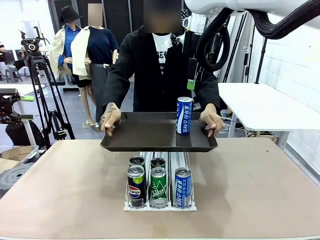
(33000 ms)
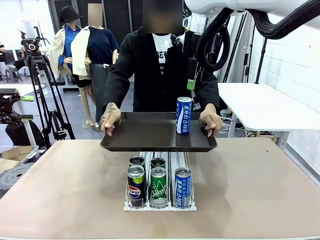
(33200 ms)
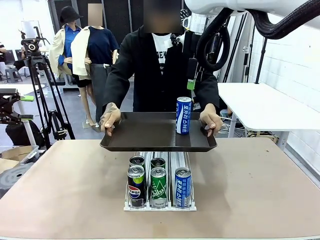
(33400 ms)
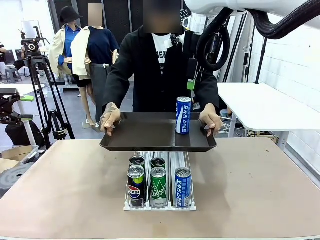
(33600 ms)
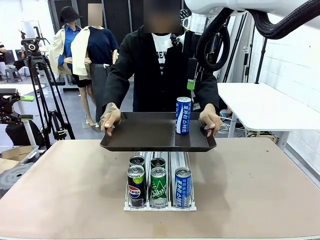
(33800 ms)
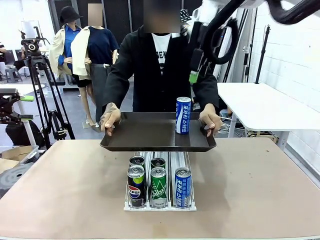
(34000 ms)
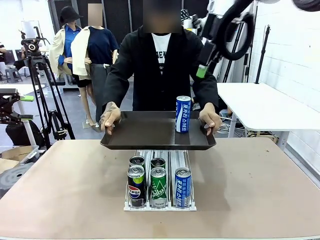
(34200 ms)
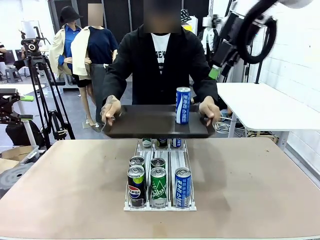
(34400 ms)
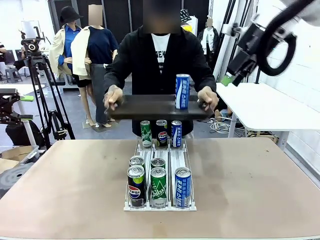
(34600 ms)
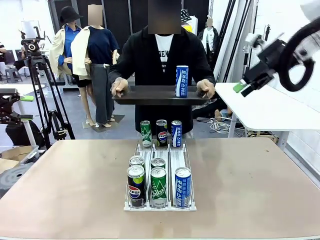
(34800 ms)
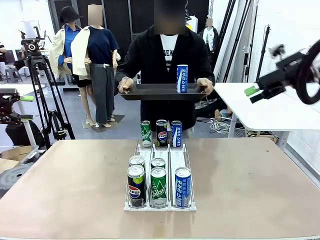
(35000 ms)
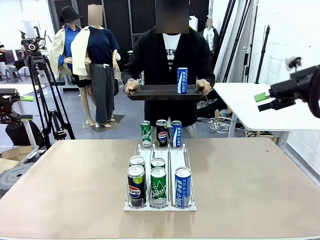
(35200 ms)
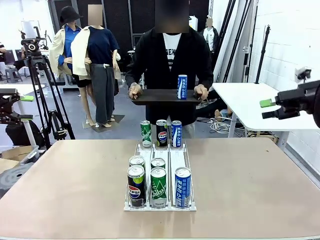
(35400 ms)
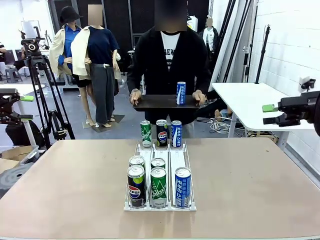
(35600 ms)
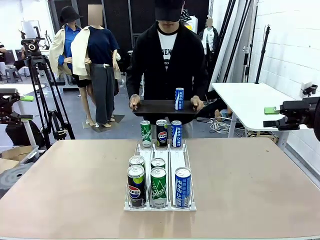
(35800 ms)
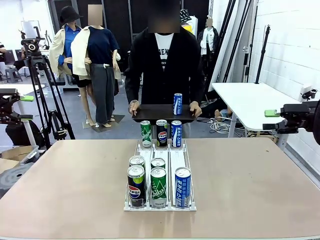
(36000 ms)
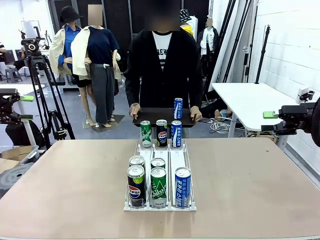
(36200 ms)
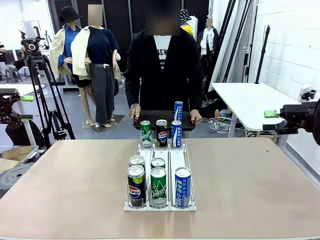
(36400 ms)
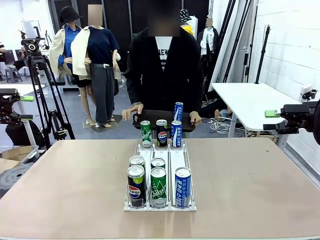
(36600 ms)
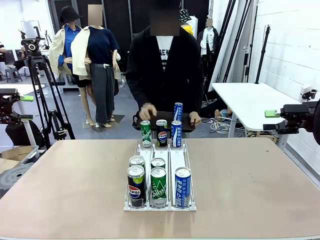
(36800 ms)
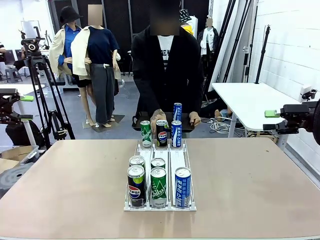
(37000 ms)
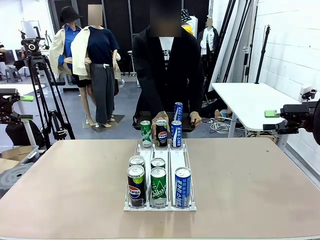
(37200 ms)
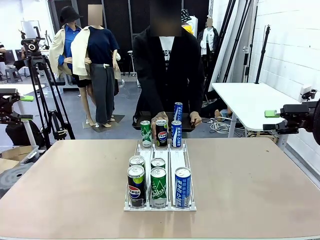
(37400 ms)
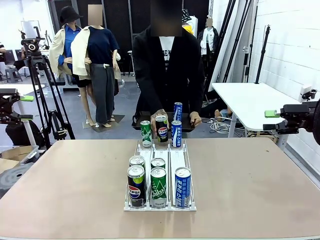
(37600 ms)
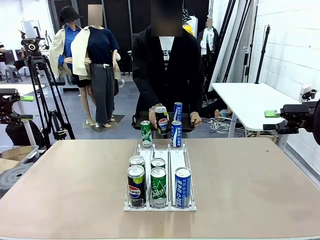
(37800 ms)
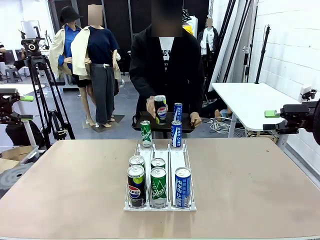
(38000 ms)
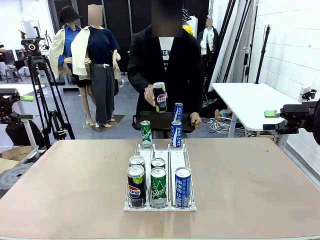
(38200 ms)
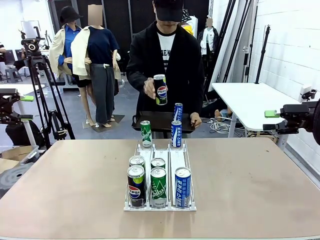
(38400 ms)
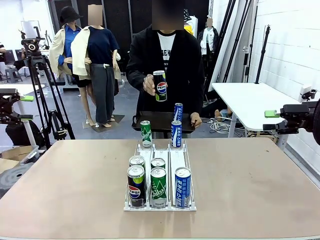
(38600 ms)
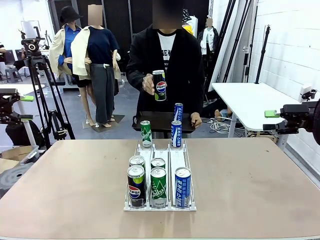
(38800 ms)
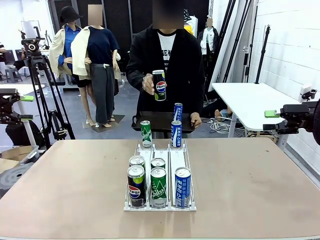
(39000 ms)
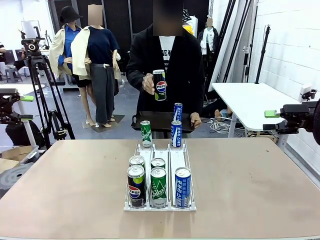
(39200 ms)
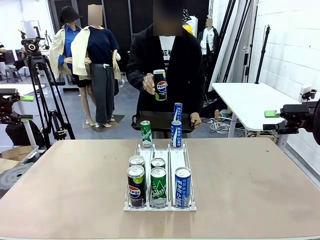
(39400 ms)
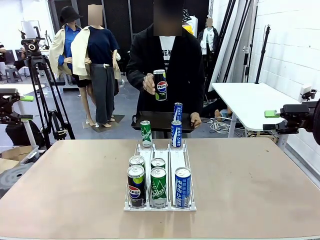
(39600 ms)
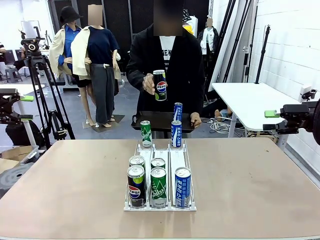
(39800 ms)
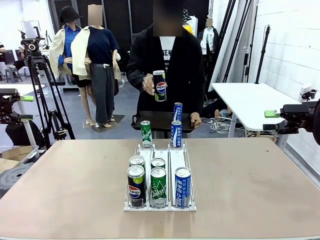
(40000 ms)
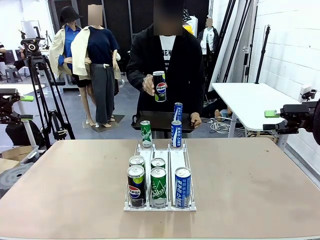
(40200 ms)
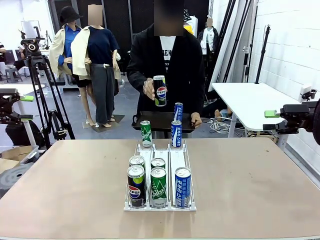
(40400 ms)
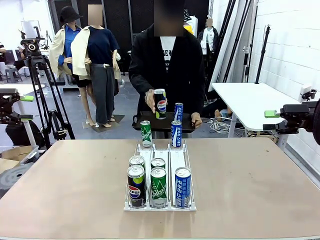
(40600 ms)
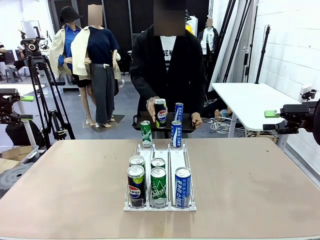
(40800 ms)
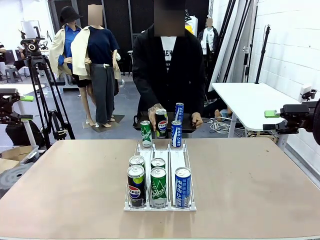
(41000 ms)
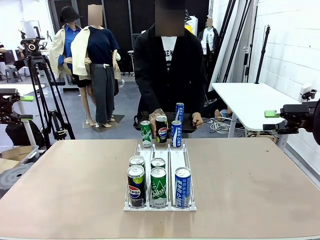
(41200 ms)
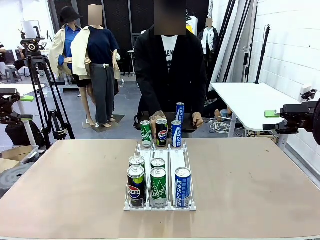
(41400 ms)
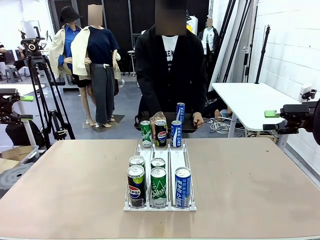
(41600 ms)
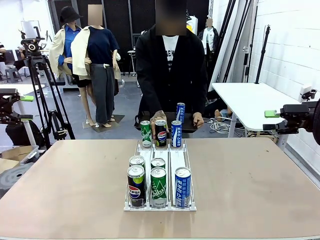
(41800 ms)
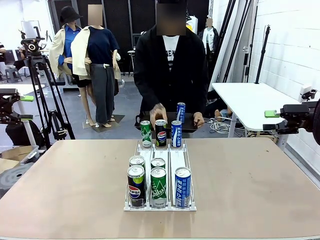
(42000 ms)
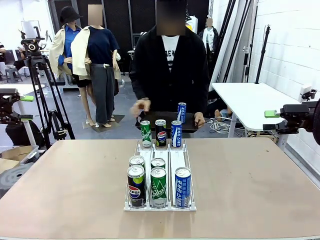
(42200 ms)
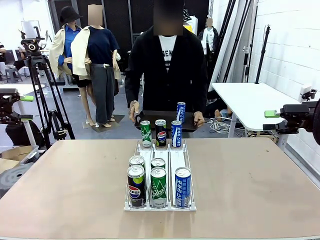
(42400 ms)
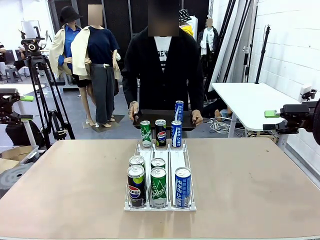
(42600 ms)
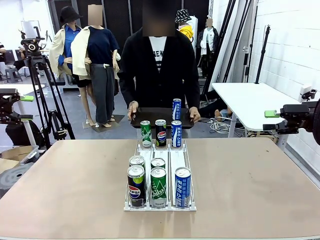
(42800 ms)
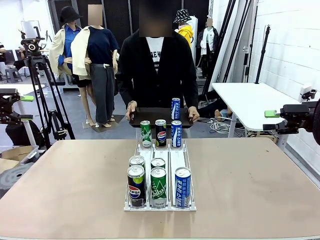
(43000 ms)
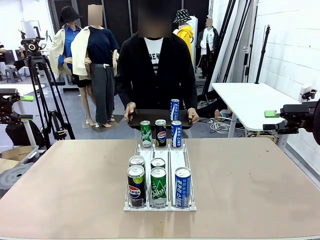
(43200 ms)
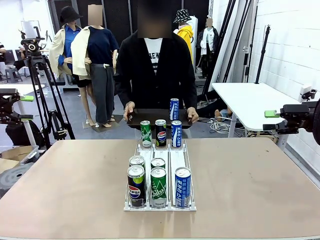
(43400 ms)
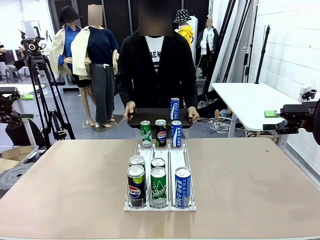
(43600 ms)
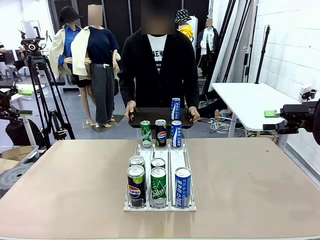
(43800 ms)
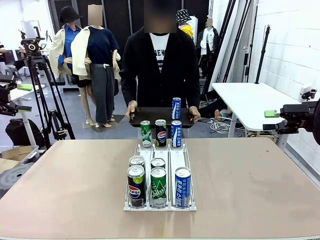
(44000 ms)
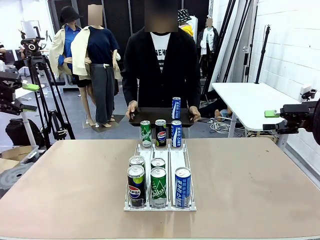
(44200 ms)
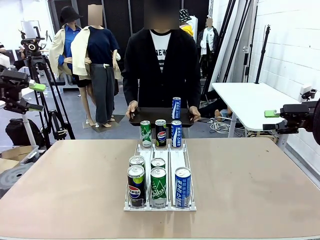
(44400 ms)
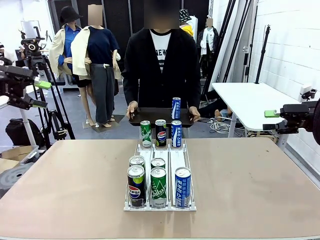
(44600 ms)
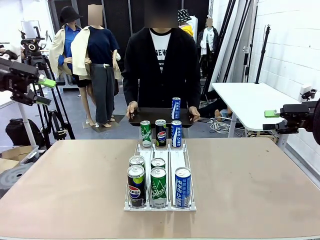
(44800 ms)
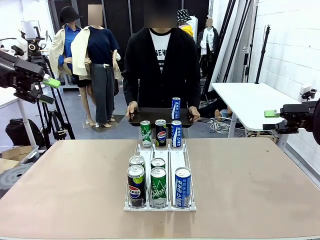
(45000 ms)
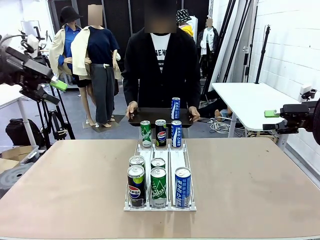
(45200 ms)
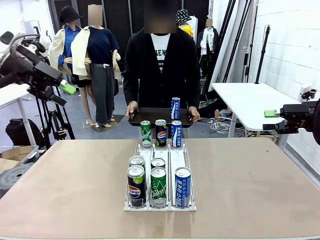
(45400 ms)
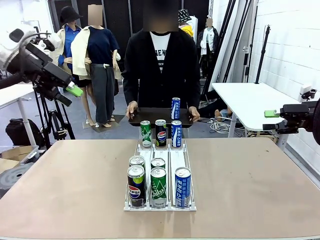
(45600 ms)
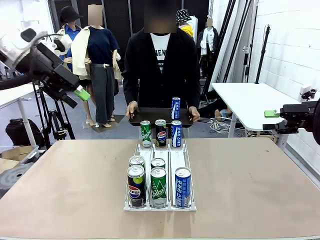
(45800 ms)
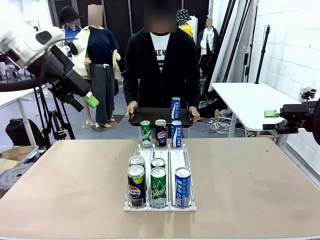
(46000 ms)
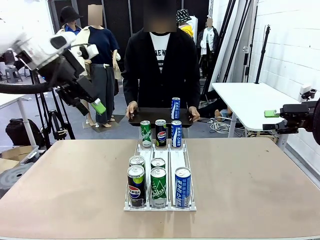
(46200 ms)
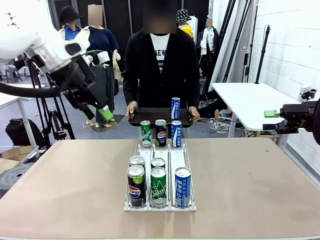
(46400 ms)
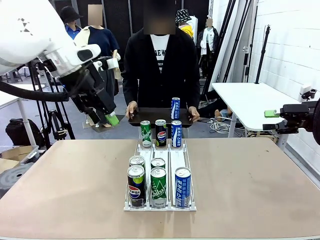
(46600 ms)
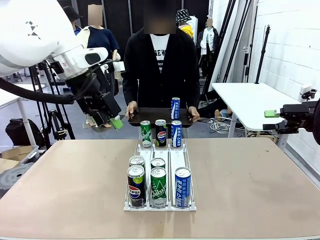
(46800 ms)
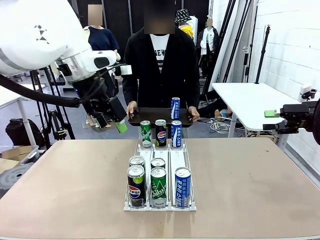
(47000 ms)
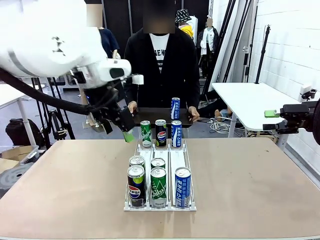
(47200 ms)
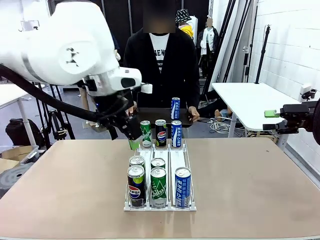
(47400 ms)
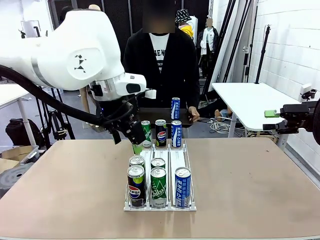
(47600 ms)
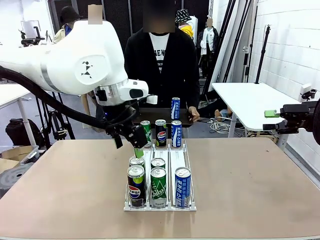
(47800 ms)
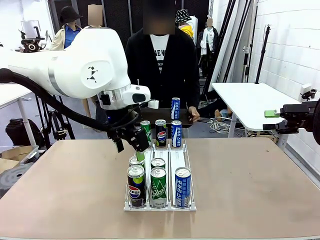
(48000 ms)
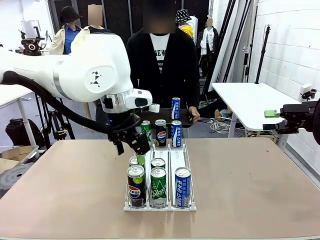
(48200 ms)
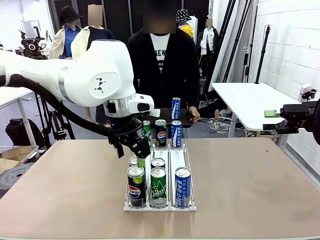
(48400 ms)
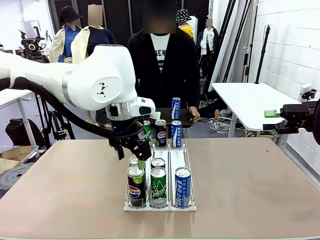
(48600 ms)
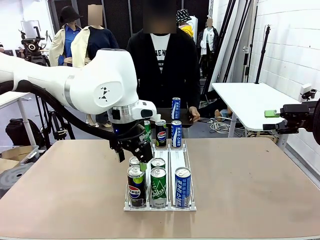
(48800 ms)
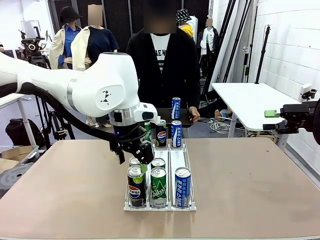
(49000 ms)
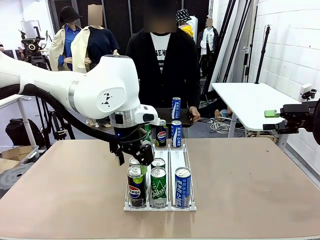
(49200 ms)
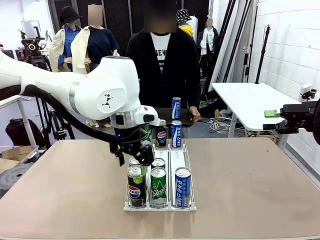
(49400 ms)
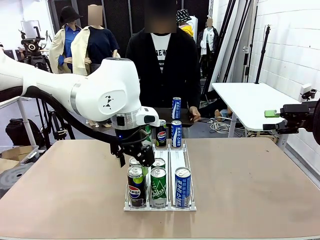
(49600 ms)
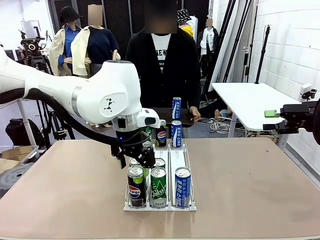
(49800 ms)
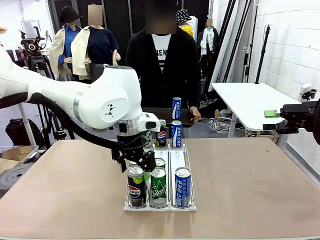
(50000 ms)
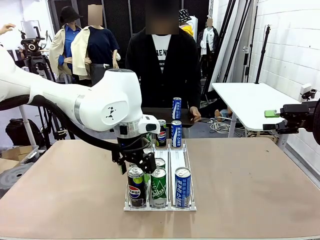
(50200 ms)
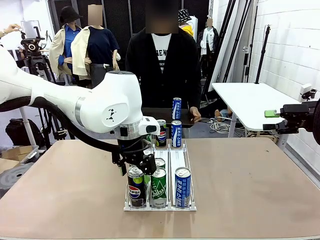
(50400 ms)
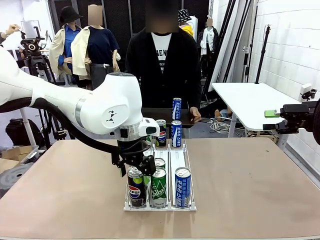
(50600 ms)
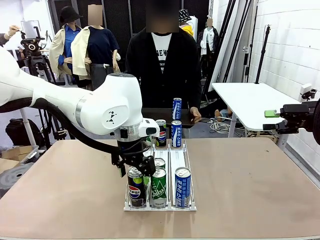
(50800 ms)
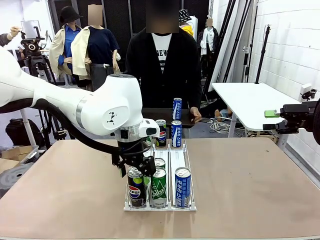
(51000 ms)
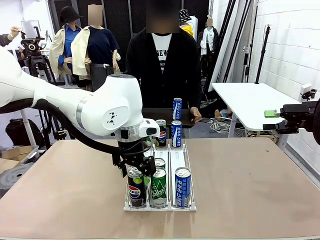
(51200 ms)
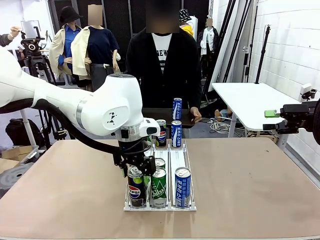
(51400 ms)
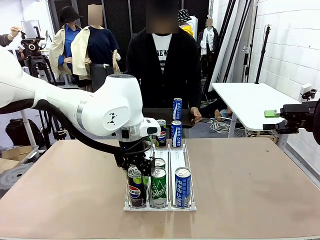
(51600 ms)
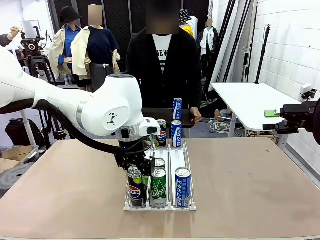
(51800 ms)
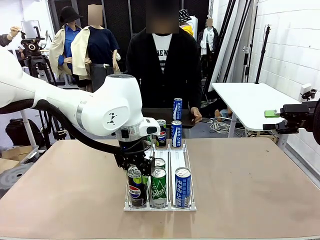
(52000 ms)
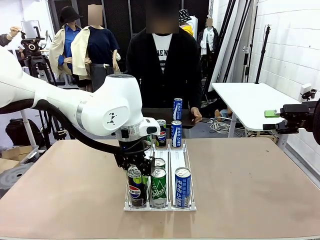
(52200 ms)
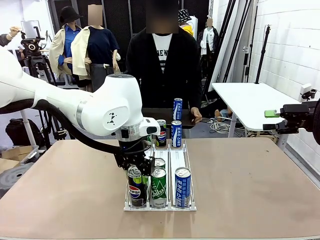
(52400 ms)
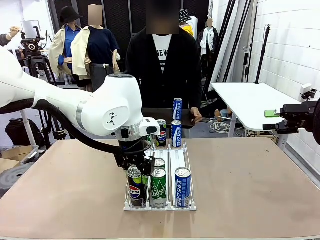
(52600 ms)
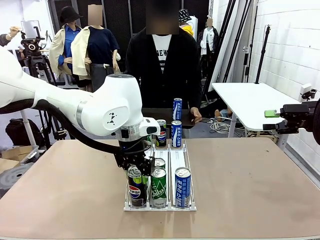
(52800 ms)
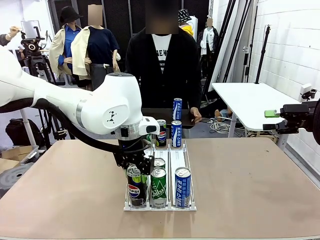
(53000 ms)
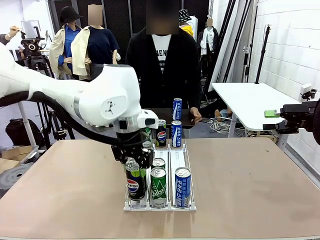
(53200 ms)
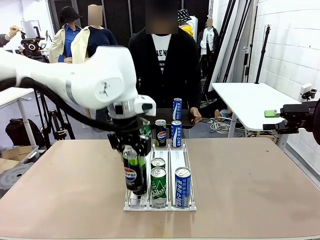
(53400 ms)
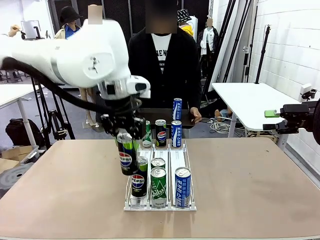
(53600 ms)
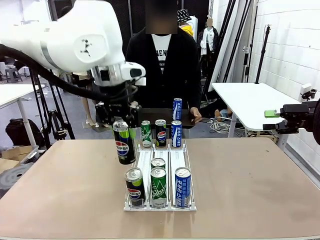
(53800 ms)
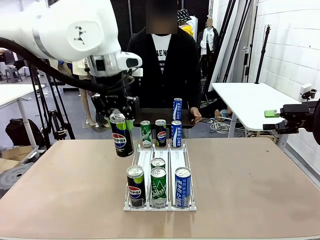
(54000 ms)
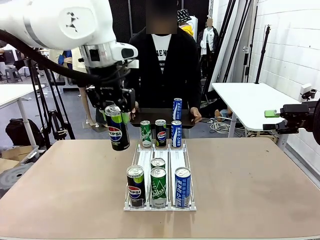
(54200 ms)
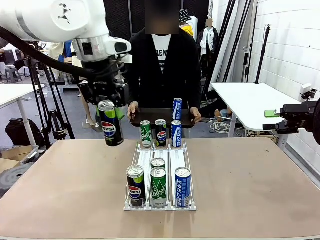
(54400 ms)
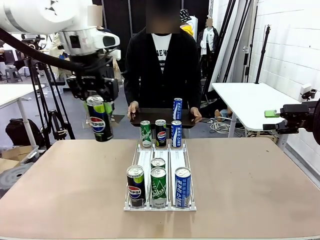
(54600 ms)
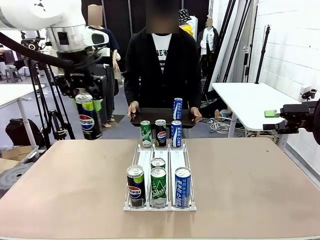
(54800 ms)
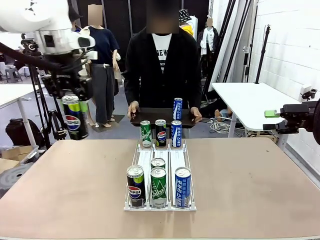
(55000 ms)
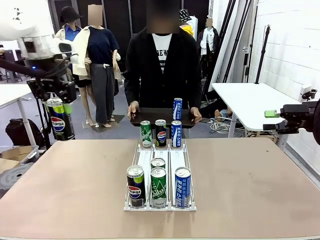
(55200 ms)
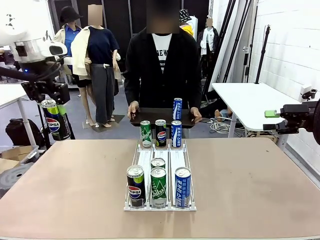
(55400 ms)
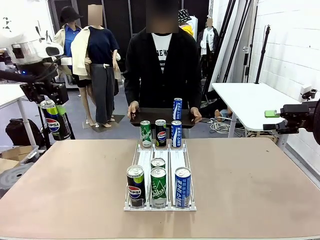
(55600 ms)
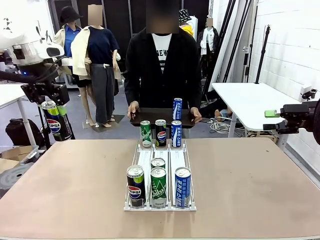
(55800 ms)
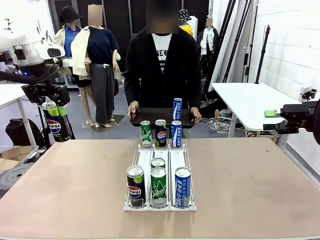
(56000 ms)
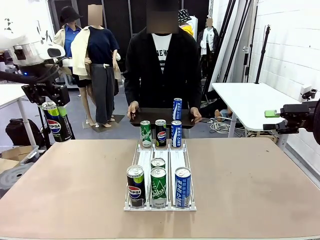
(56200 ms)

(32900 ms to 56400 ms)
Task: Retrieve and hand over the desired beverage to the person.
Robot: Pick up another can of the same type that the person held from the Automatic Can Dispenser.
Person: Pull the tray back, then pick up another can from the bottom area of the table and puts it back in its original place. Push the tray toward the robot again.
